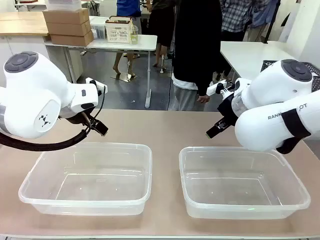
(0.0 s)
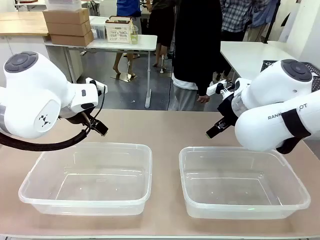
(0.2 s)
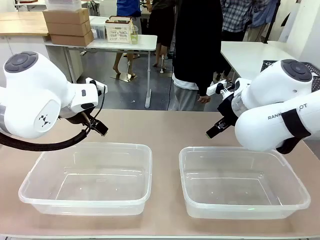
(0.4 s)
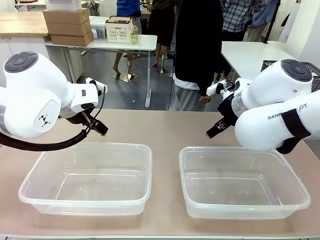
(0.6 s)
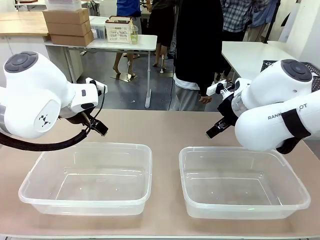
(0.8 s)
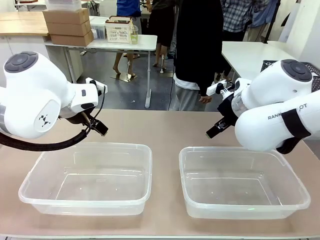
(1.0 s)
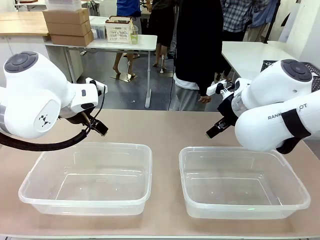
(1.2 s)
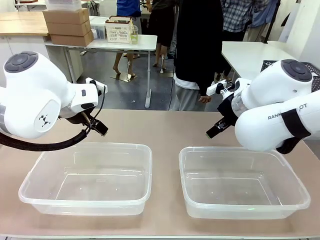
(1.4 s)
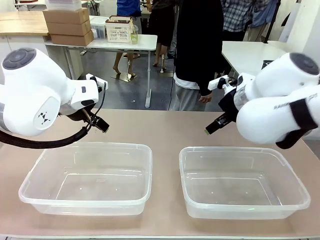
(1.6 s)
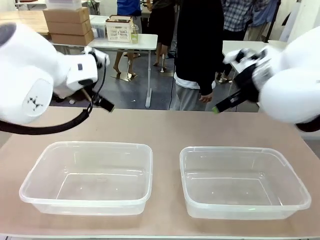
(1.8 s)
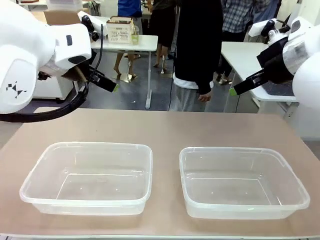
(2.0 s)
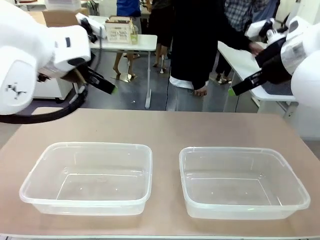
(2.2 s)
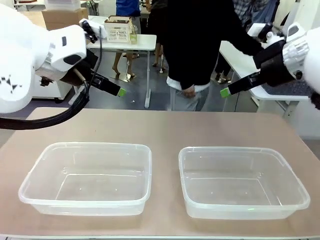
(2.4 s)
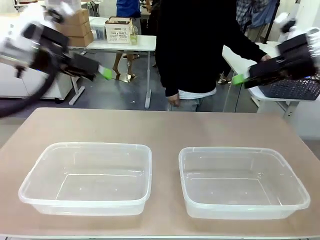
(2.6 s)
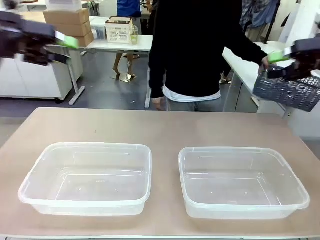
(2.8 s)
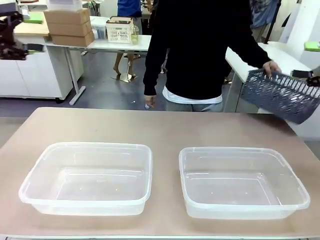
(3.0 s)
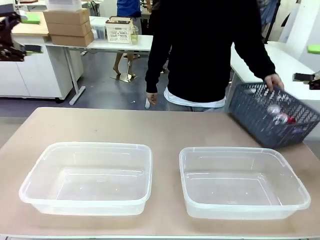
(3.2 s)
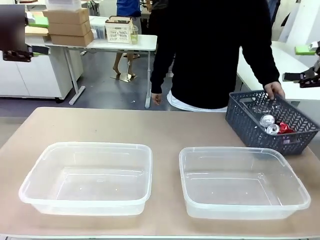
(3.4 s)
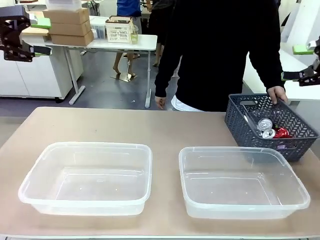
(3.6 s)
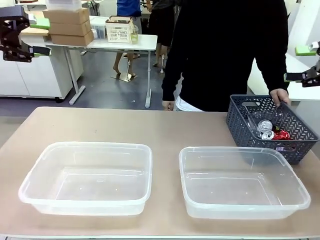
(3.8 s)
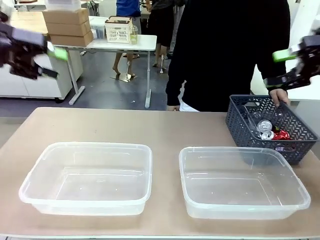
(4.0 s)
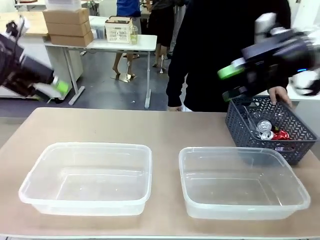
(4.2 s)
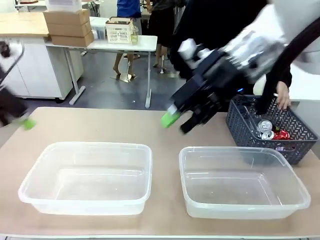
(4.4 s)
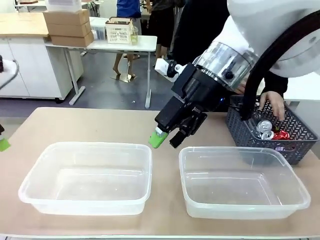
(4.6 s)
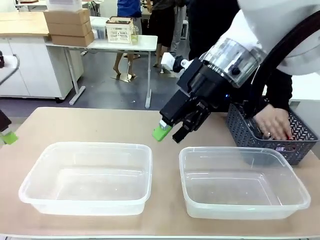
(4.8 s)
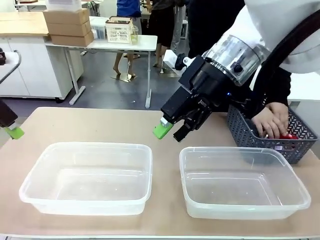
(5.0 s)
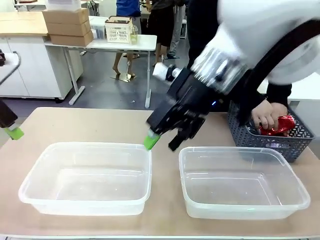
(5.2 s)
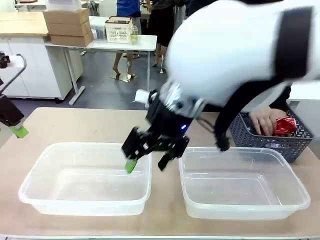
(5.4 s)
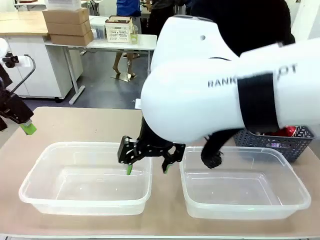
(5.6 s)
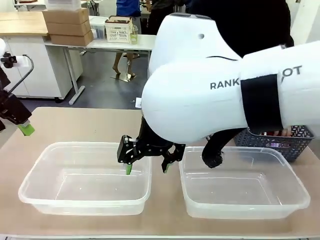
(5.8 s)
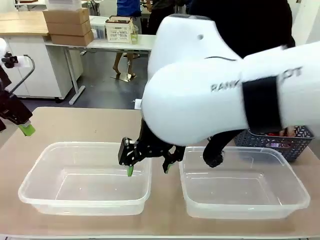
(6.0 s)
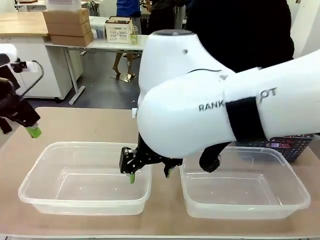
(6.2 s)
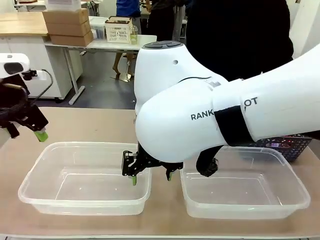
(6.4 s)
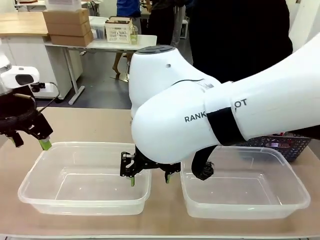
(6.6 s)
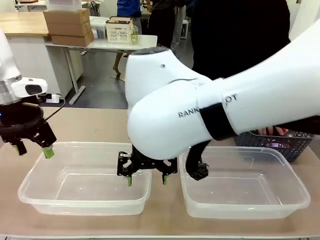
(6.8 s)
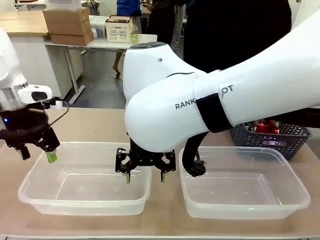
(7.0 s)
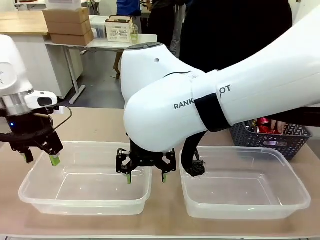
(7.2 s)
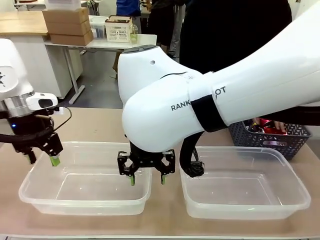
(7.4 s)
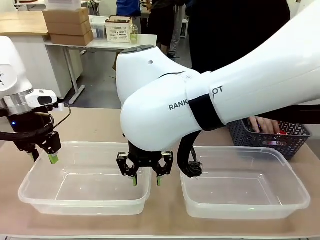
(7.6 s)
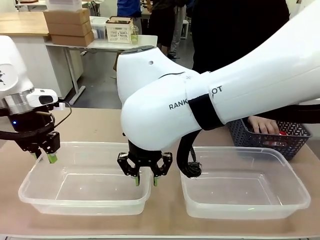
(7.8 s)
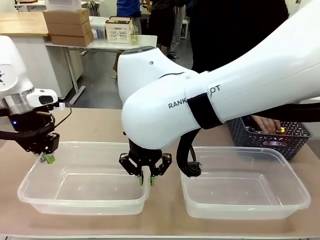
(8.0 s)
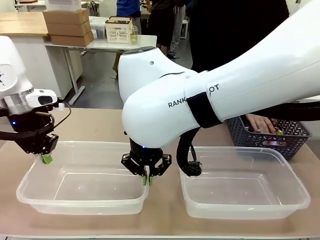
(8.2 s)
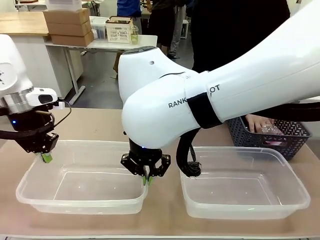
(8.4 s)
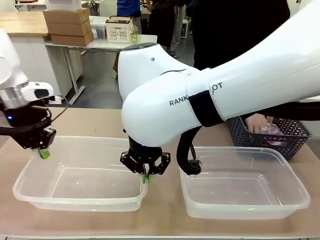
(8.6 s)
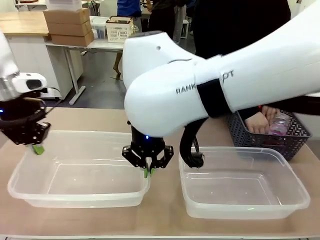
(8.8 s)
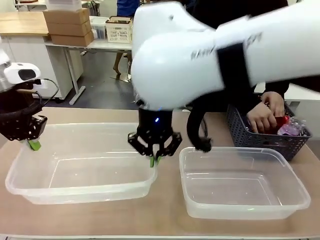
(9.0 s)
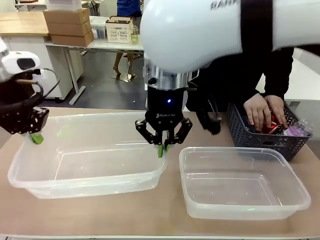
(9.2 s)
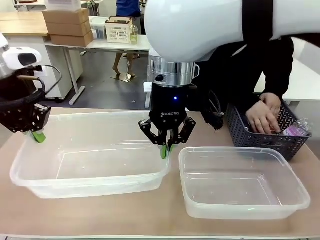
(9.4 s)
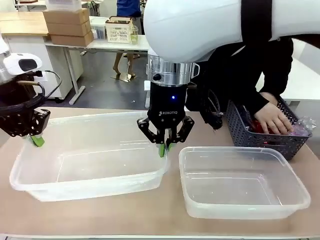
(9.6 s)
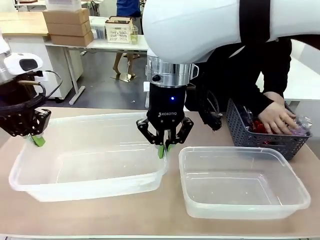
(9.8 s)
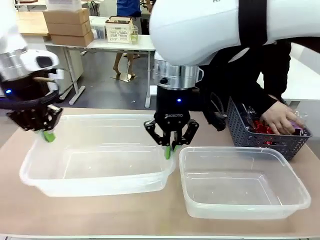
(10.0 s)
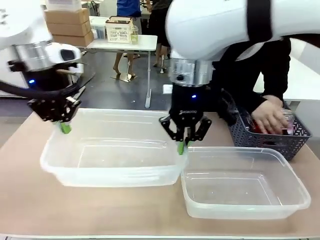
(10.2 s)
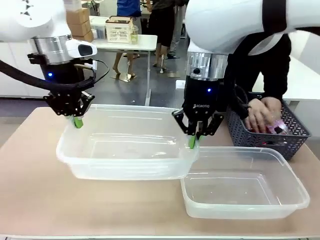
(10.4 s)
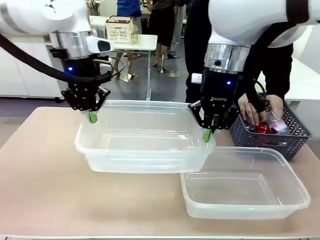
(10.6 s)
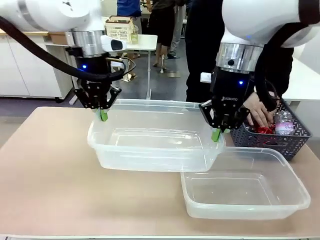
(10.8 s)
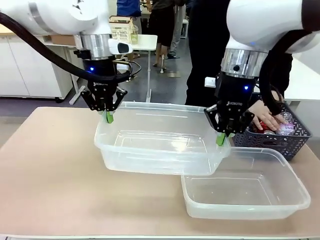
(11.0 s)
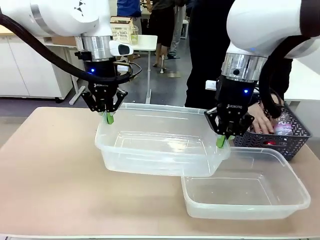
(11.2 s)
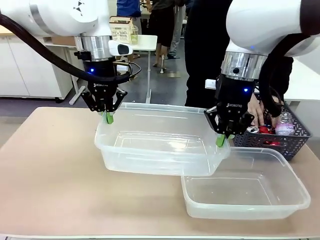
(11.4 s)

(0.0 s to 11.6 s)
Robot: Pick up the Organizing box on the left side of the table and lift it.
Person: Pick up the storage basket and place it on the left side of the robot table. Pick up can-shaped waste one by one and place it into the organizing box lifted by the robot.

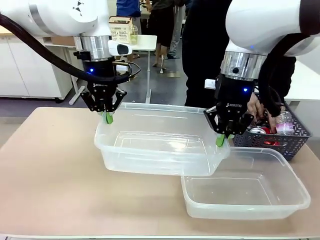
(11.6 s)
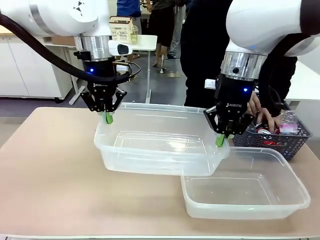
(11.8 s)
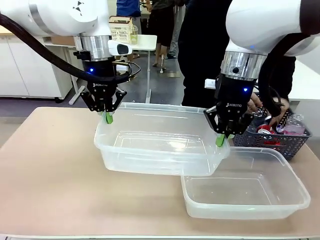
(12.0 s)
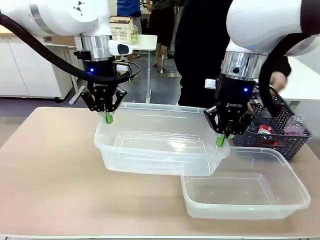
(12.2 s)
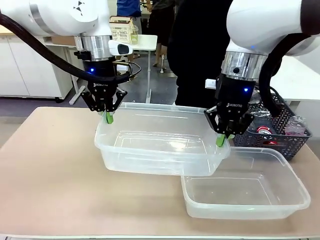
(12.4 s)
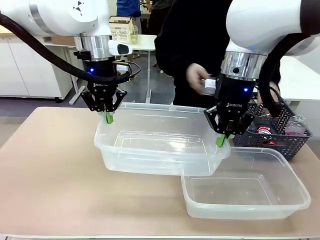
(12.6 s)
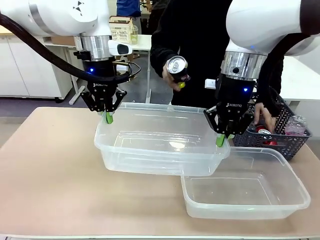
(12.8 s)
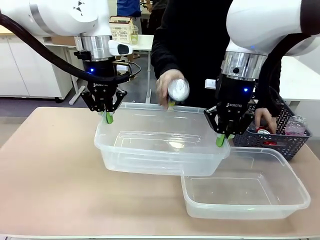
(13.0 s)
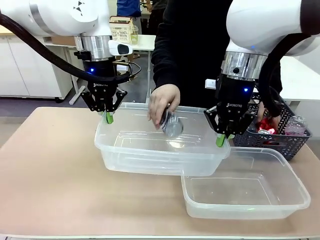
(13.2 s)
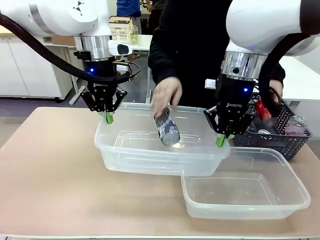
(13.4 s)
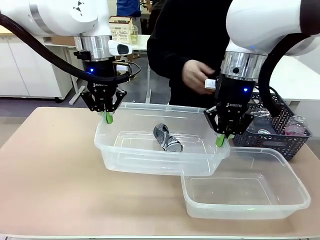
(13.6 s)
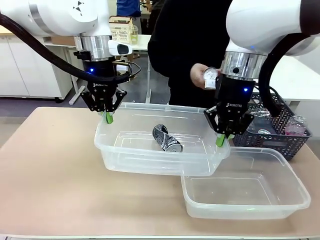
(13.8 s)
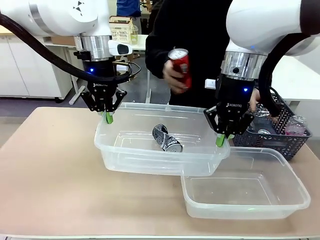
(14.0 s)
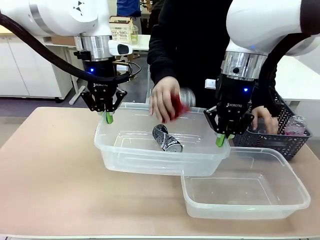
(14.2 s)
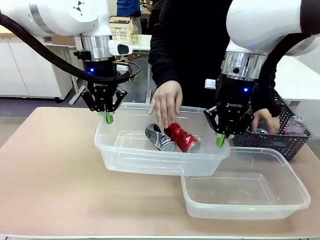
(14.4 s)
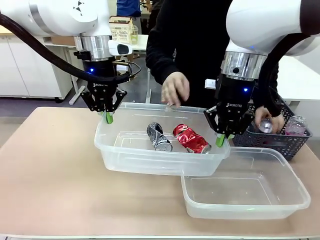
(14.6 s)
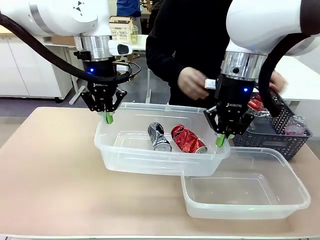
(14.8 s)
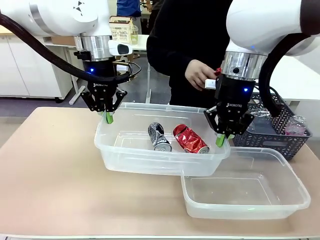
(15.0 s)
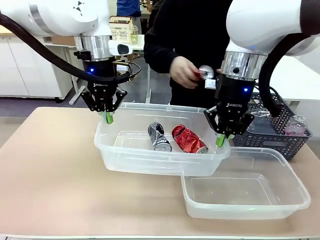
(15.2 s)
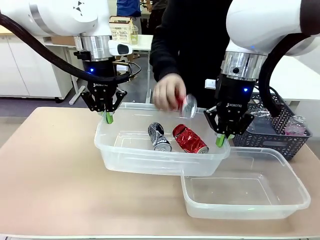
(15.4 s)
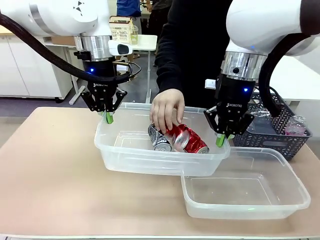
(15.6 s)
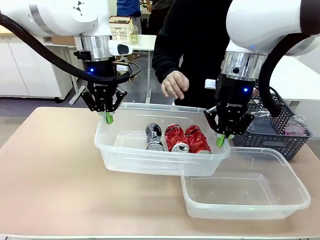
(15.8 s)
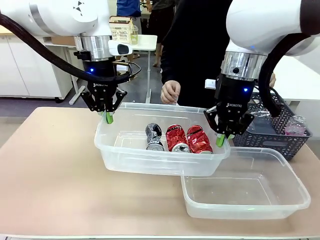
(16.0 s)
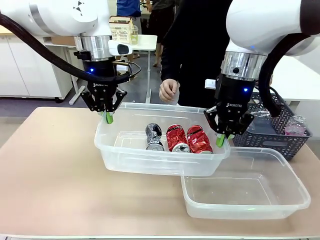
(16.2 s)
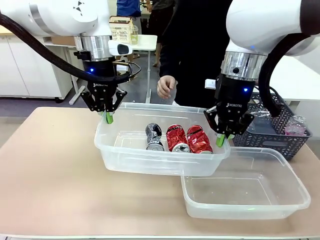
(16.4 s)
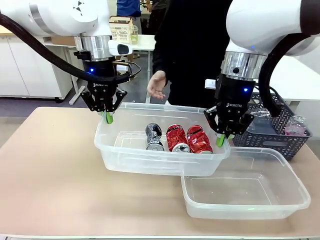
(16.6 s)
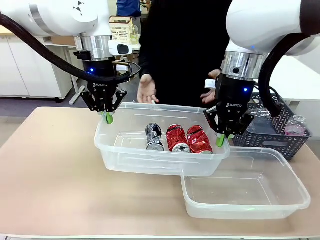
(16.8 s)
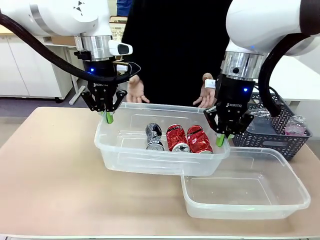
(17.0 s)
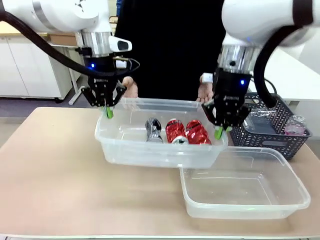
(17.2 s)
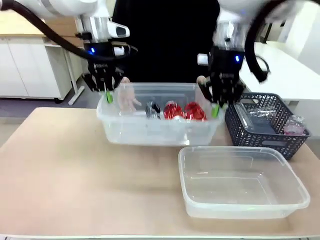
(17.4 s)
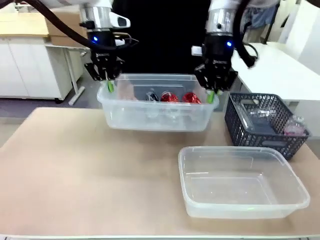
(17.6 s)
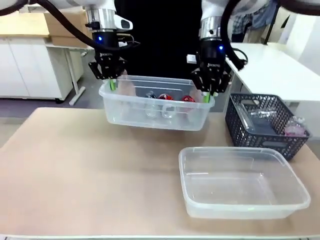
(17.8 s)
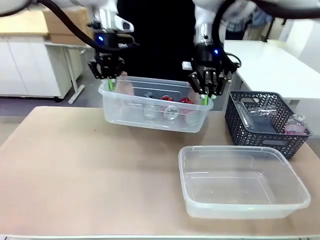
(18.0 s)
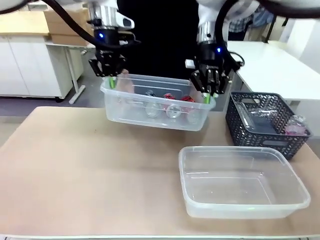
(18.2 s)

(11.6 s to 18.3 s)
Robot: Offer the picked Organizing box to the human.

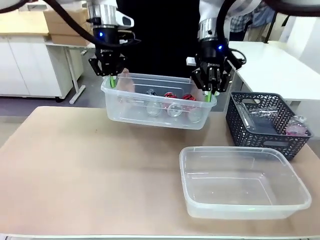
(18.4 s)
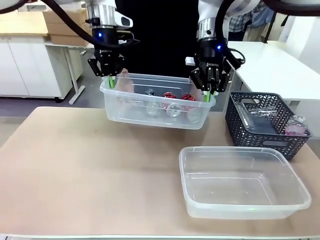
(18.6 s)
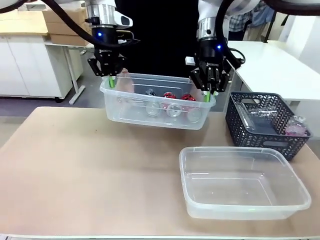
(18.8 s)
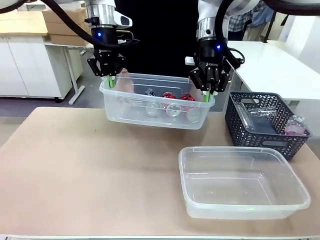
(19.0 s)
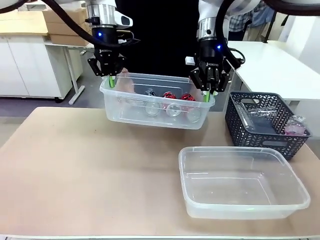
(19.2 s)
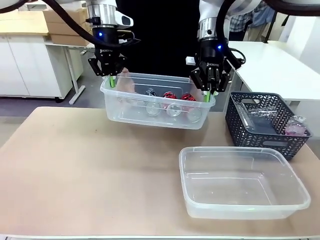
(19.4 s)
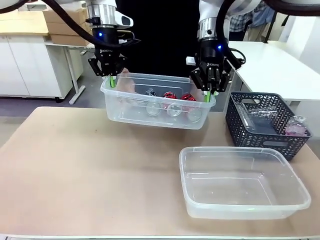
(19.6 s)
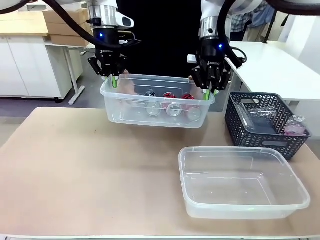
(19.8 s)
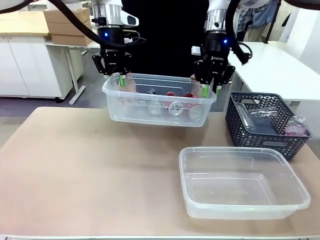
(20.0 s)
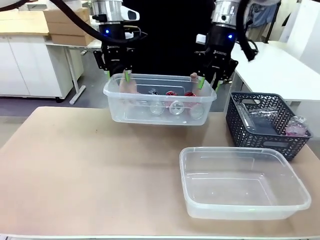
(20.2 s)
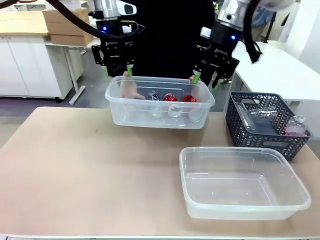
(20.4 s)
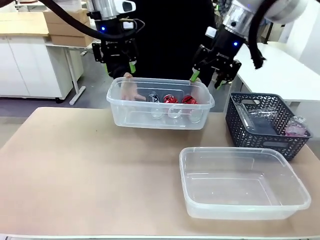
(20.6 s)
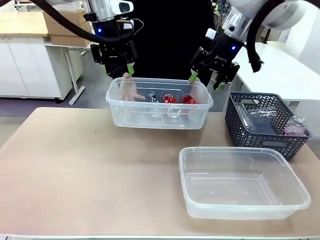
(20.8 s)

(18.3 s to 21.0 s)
Robot: Release the Organizing box you were holding.
